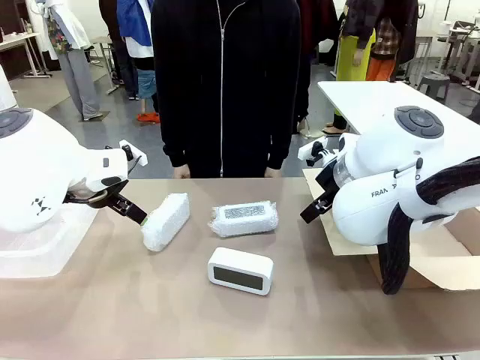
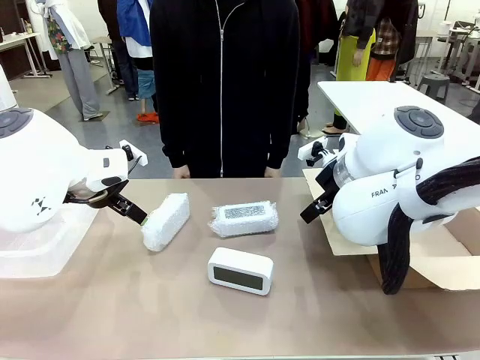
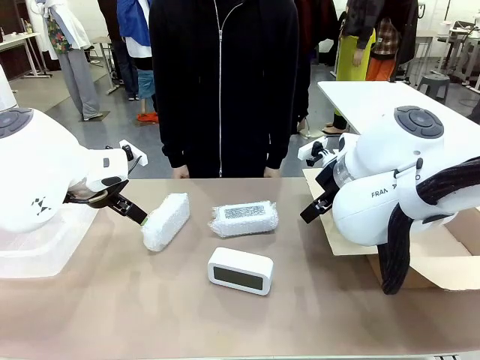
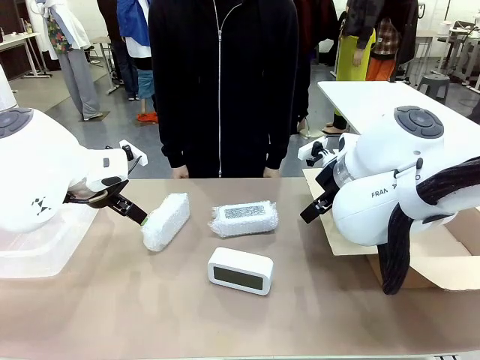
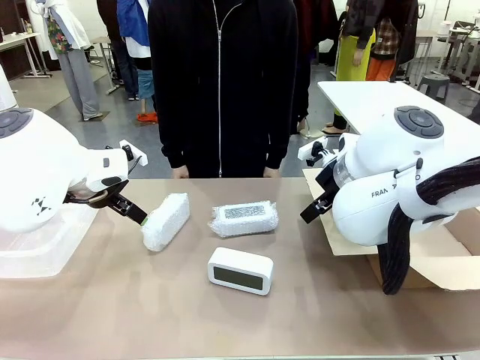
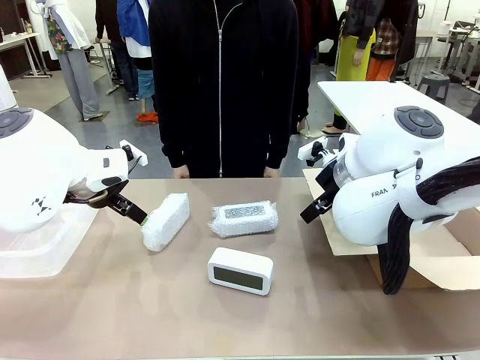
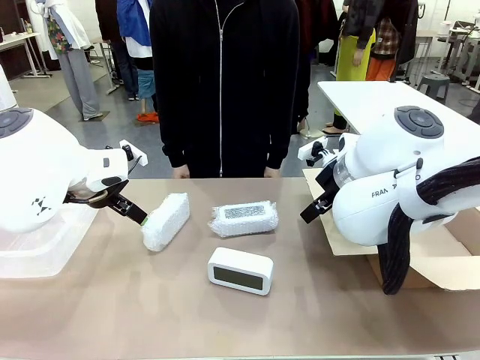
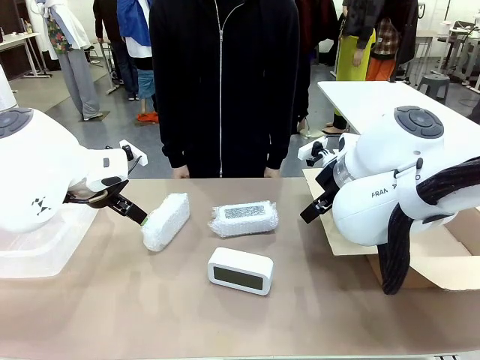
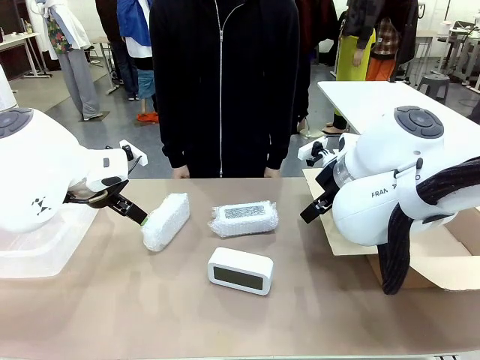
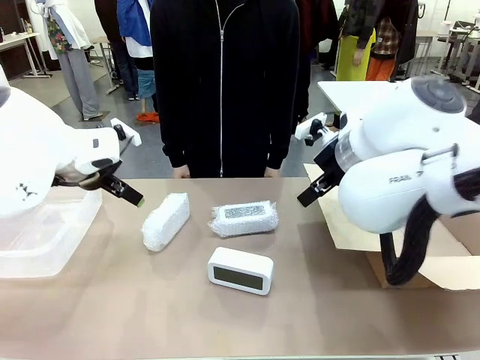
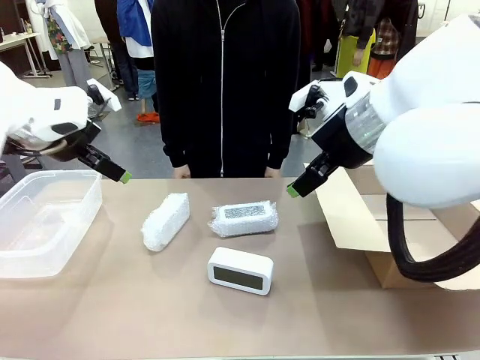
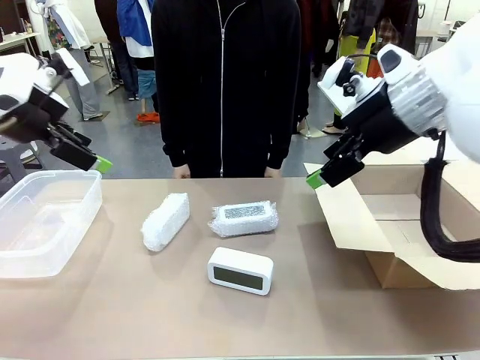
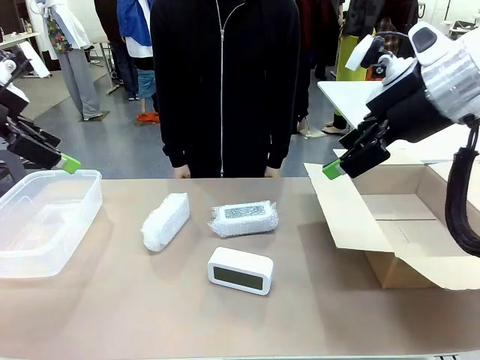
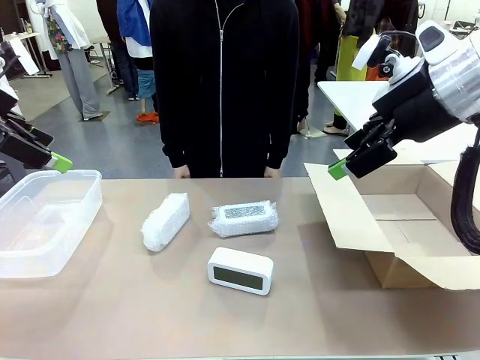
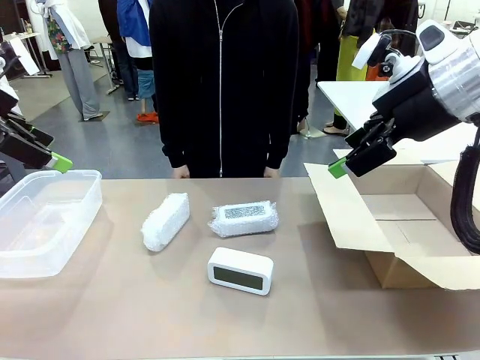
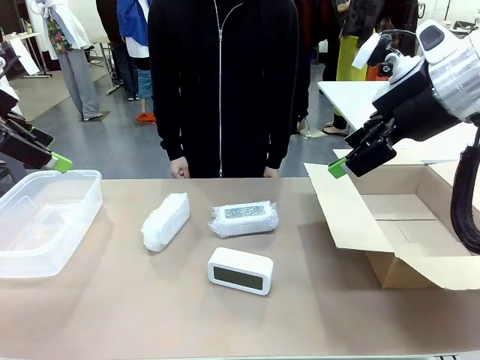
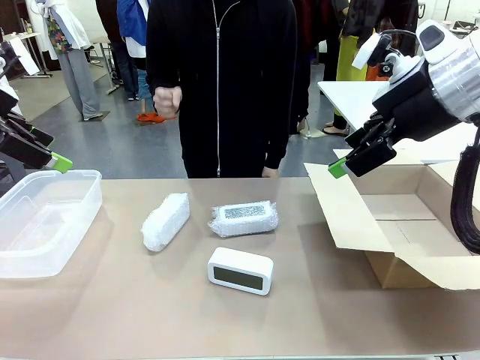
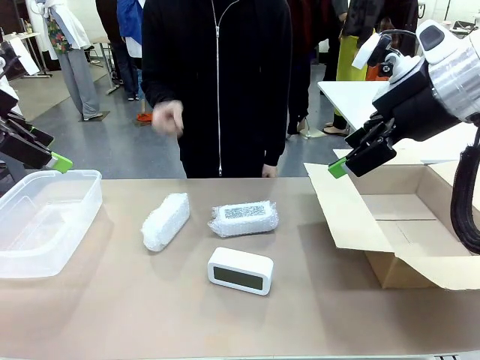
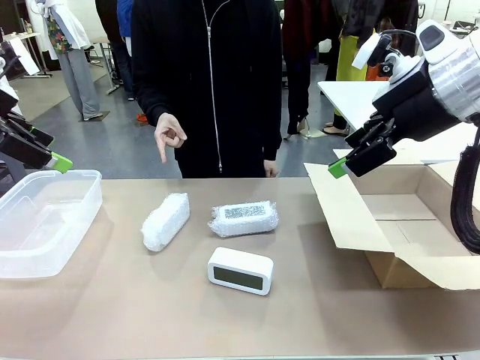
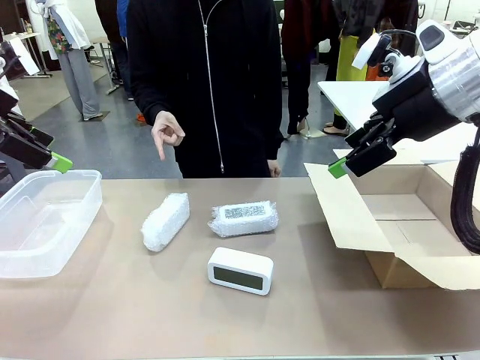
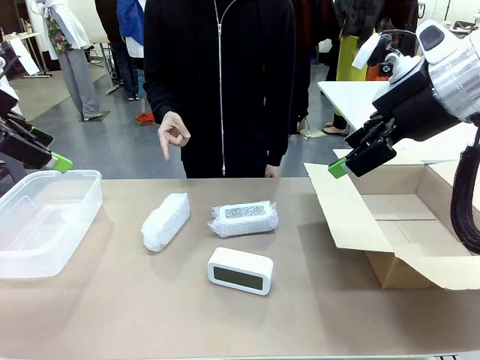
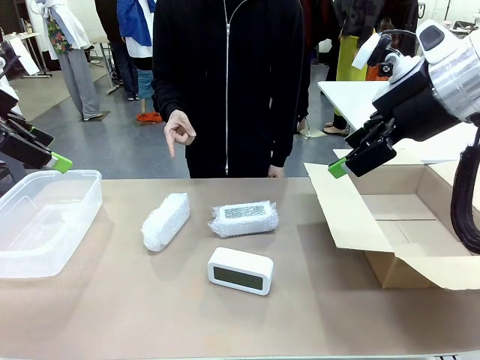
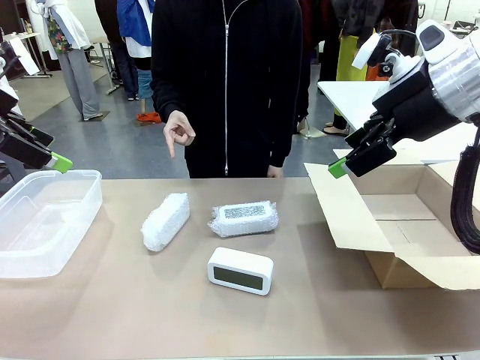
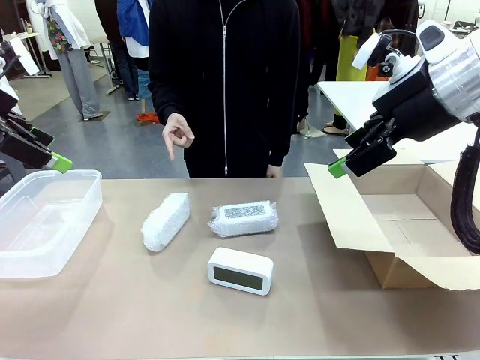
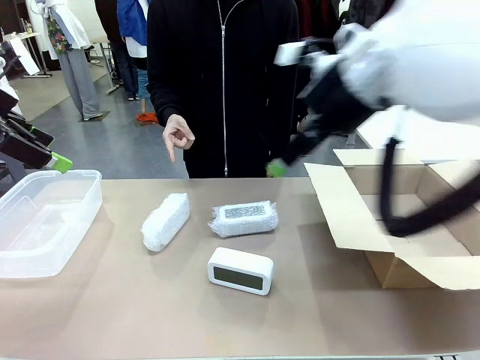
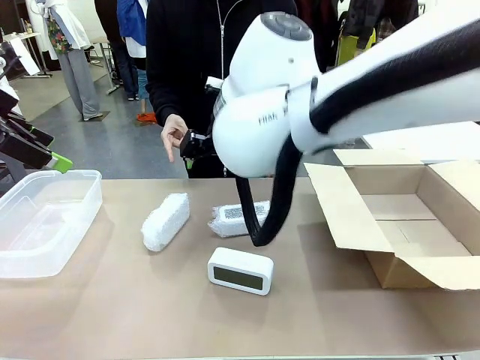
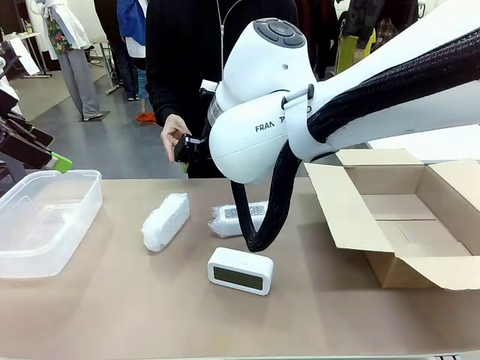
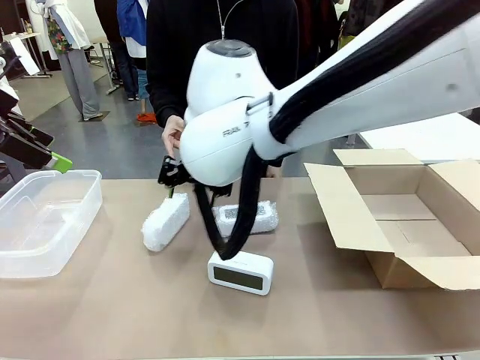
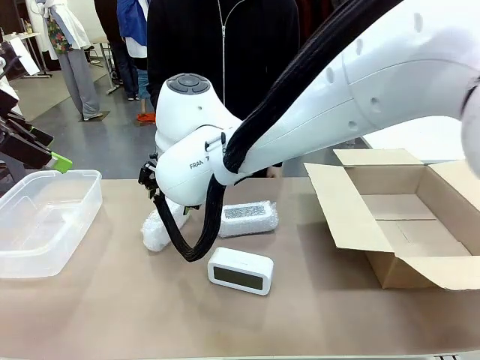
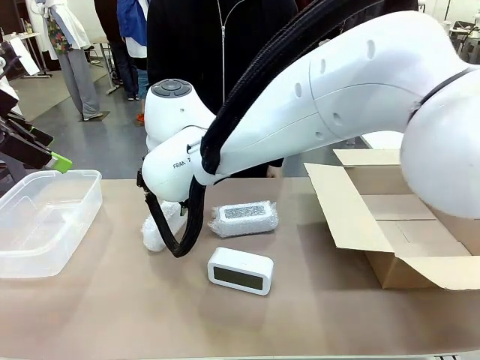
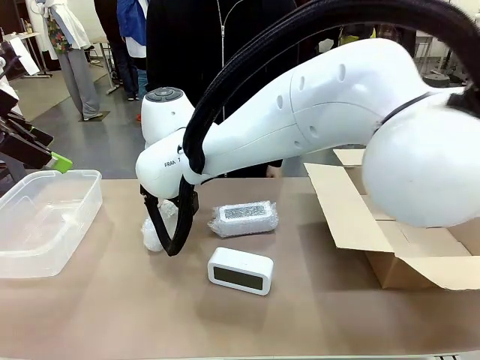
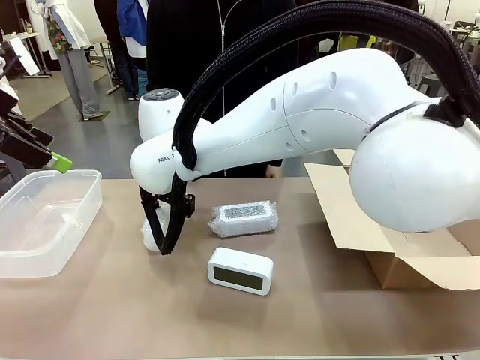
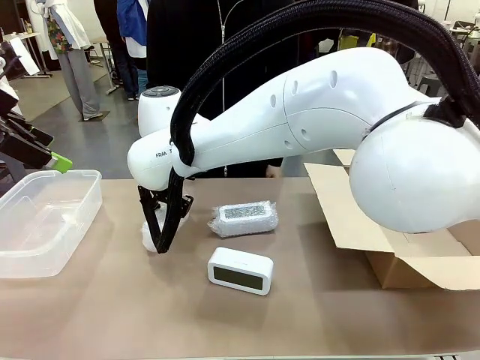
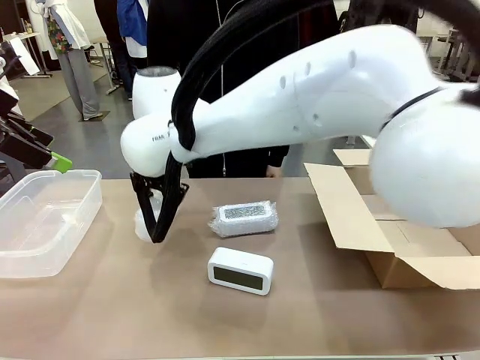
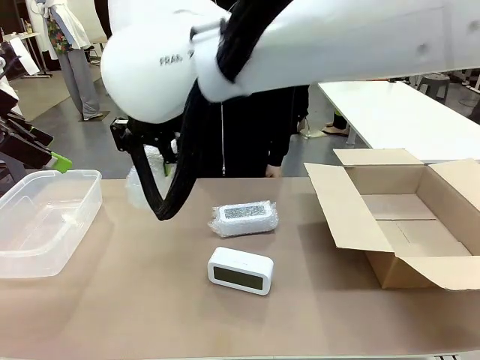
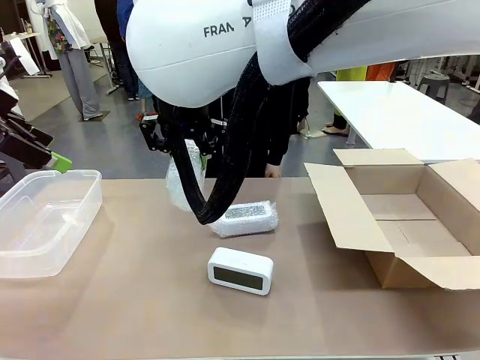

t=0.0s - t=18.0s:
Task: Separate and place wrapped and unwrapped clocks.
Robot: Pick up the Digital clock indicated by the person.

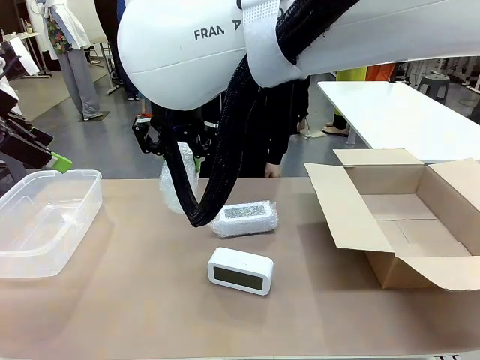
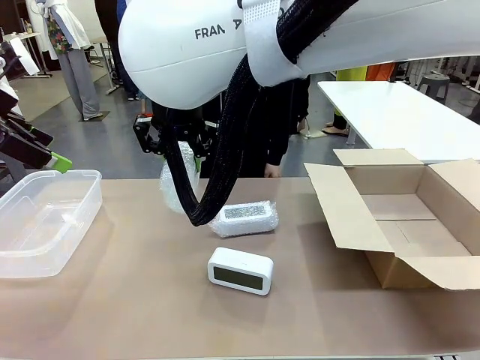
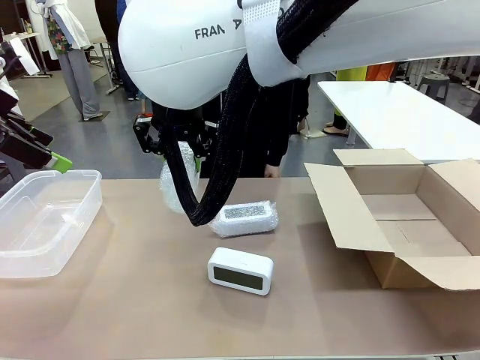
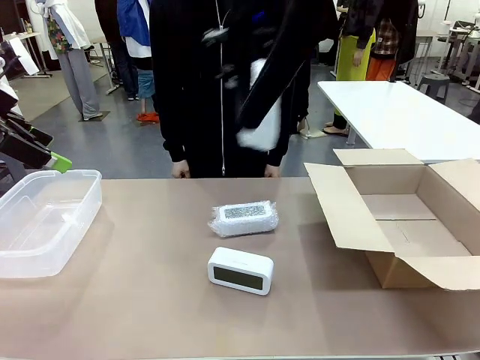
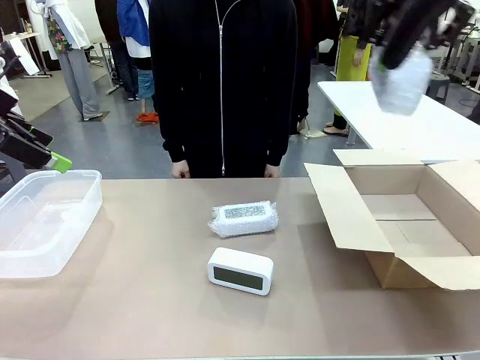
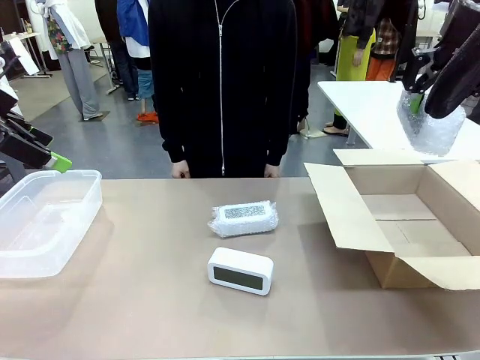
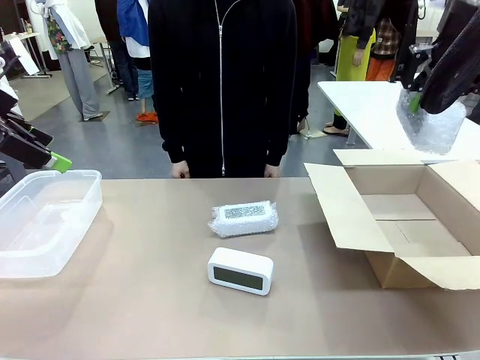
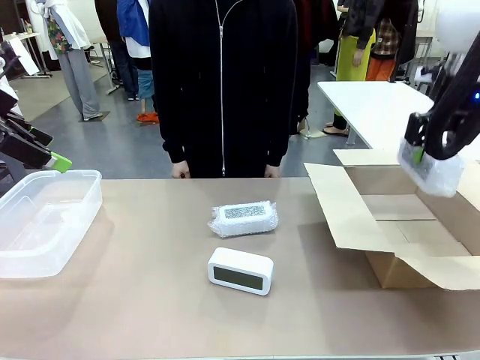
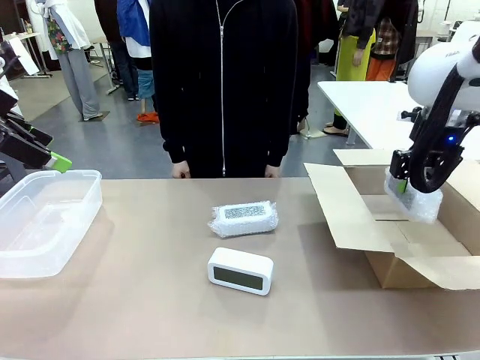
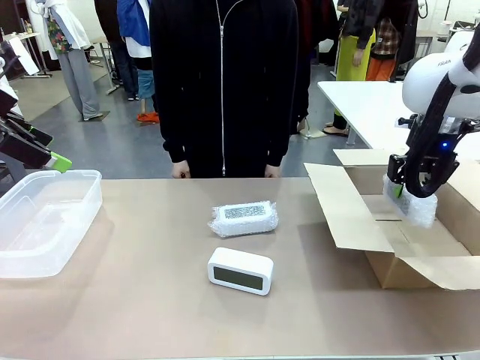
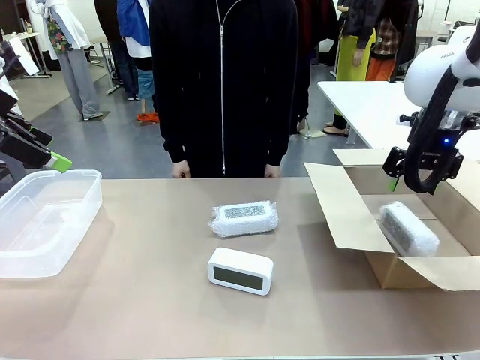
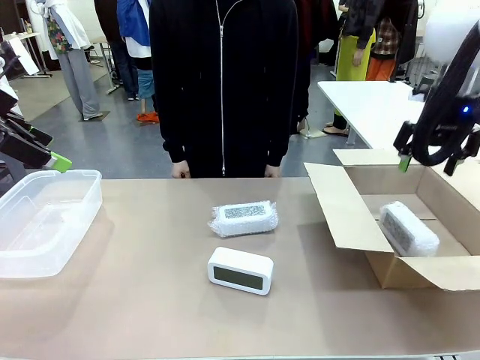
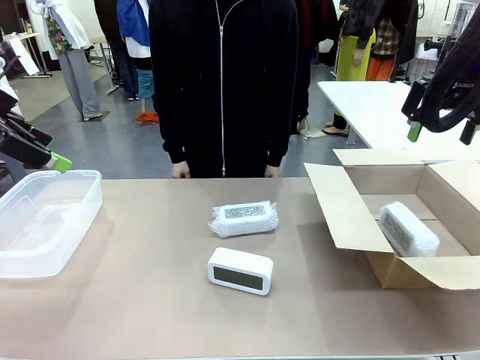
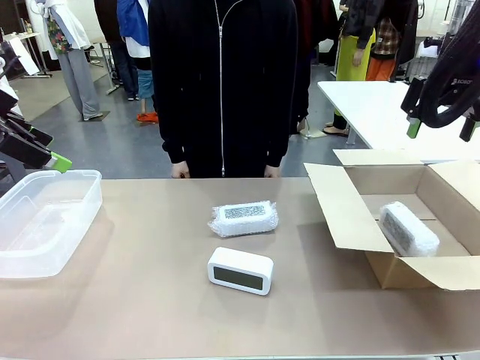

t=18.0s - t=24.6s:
Robot: If the picked Digital clock is wrapped, place it in the Package Box ; if not, place it in the Organizing box.
